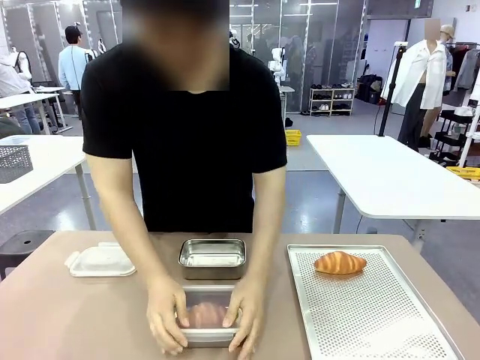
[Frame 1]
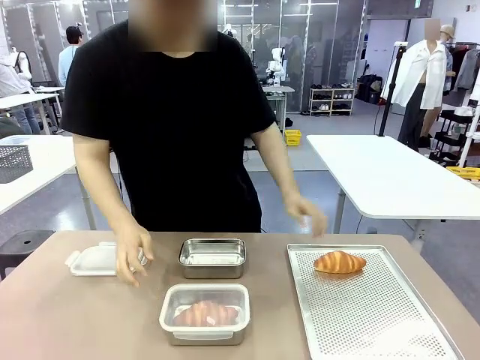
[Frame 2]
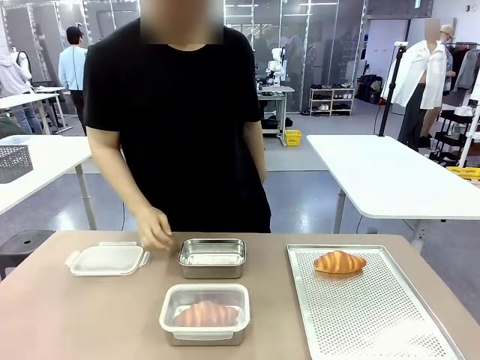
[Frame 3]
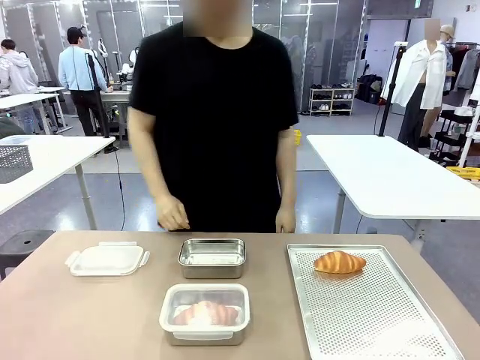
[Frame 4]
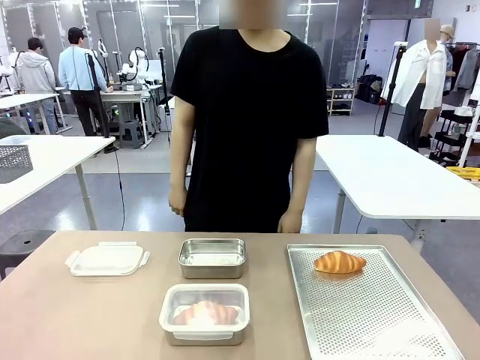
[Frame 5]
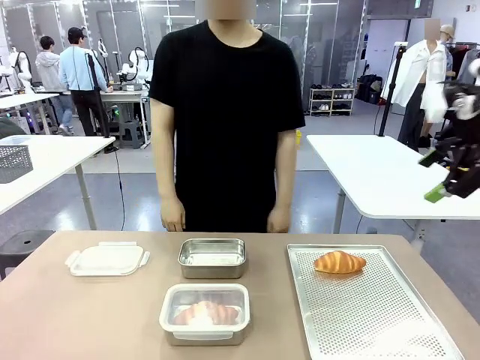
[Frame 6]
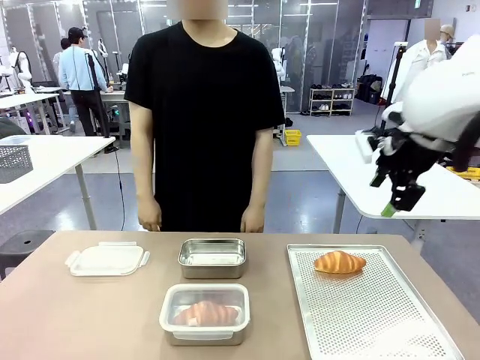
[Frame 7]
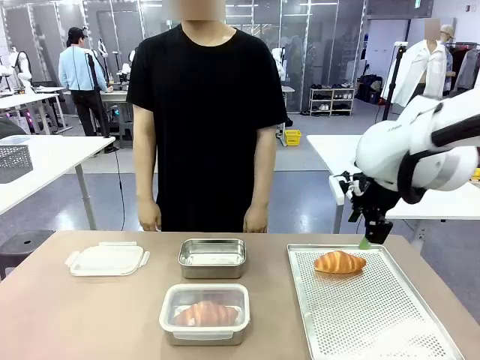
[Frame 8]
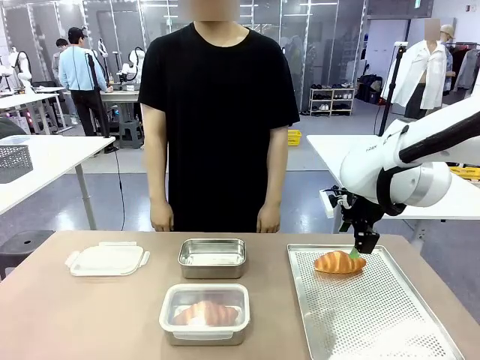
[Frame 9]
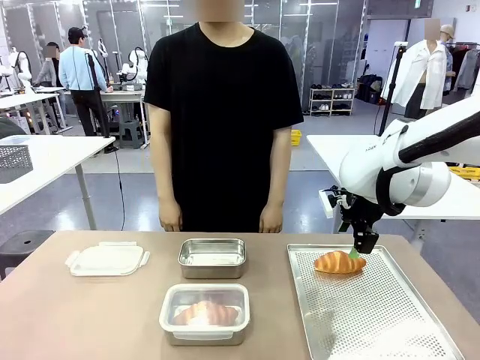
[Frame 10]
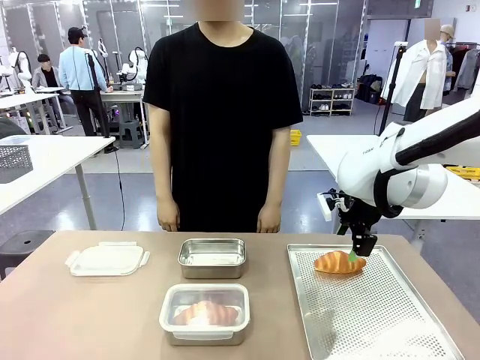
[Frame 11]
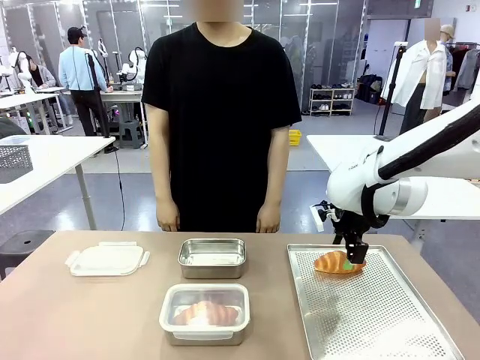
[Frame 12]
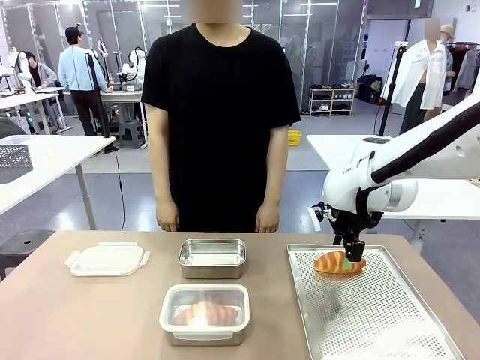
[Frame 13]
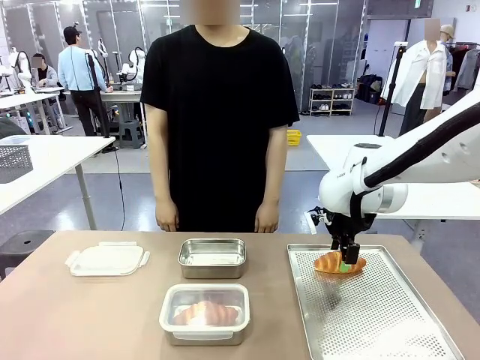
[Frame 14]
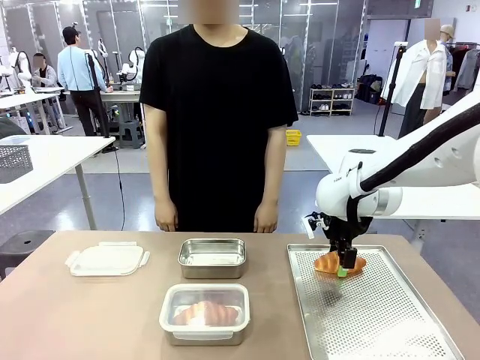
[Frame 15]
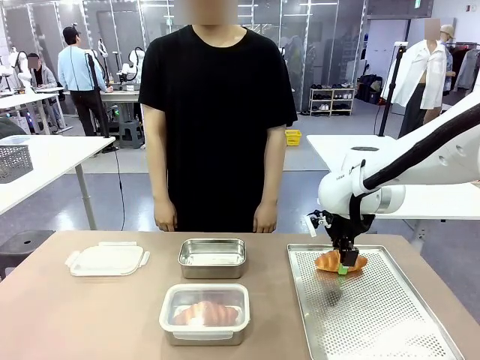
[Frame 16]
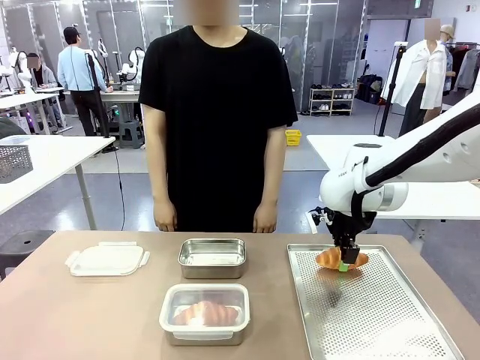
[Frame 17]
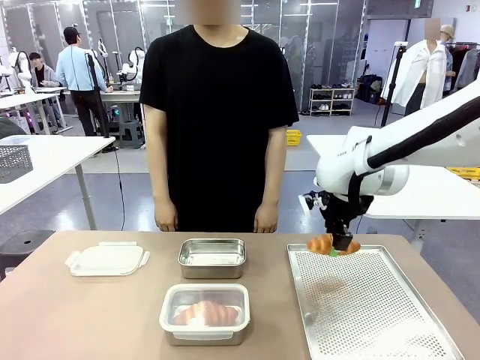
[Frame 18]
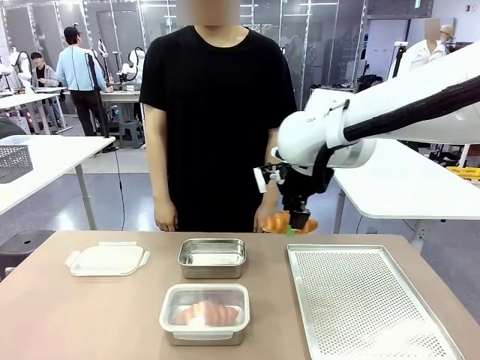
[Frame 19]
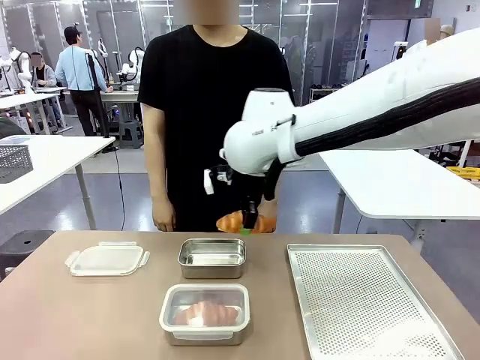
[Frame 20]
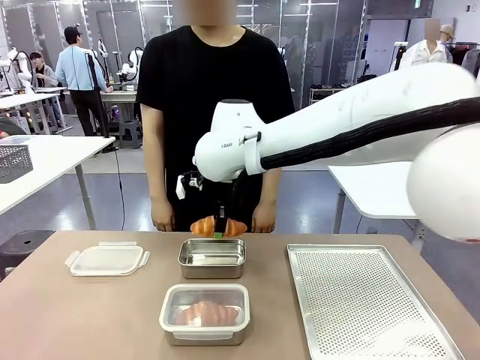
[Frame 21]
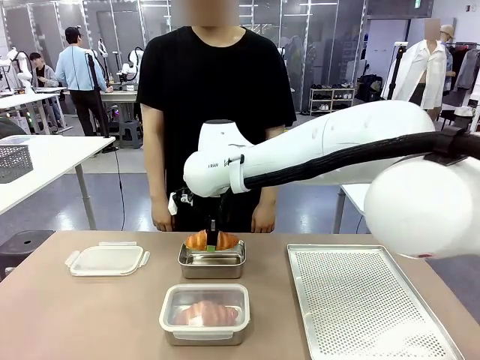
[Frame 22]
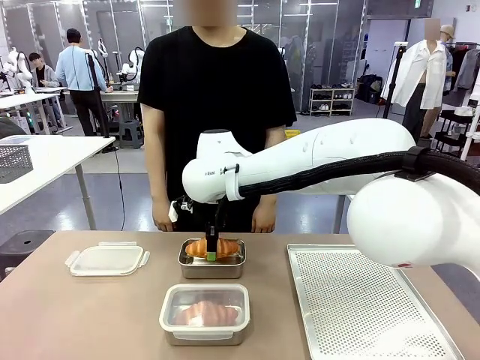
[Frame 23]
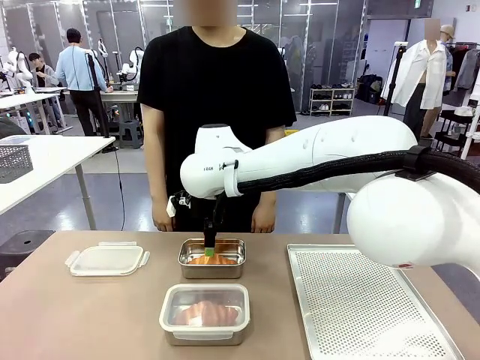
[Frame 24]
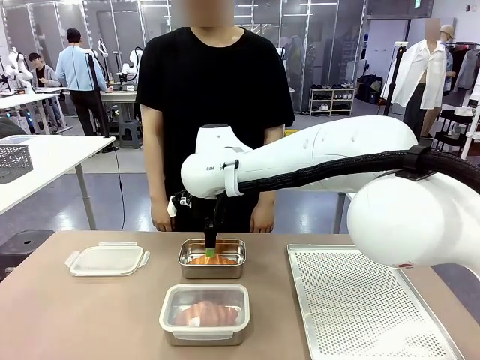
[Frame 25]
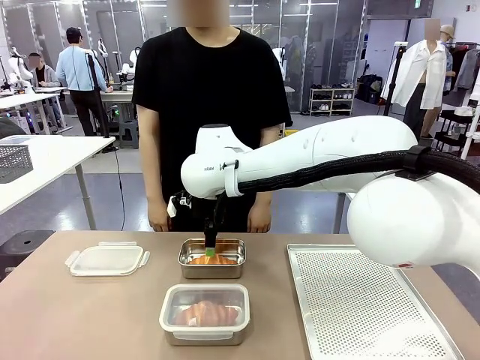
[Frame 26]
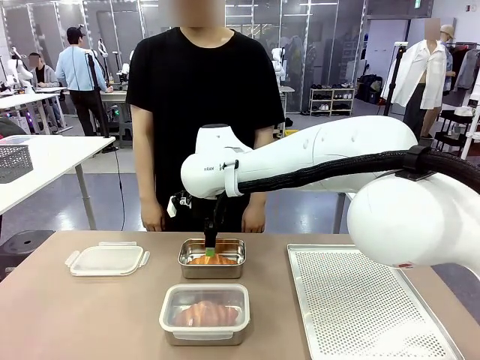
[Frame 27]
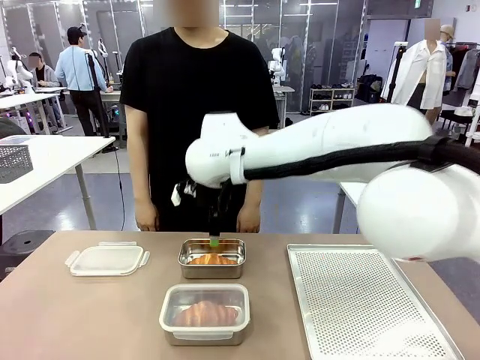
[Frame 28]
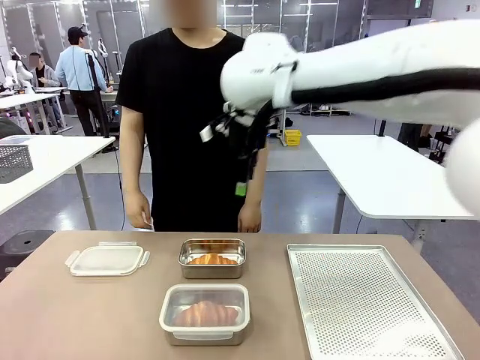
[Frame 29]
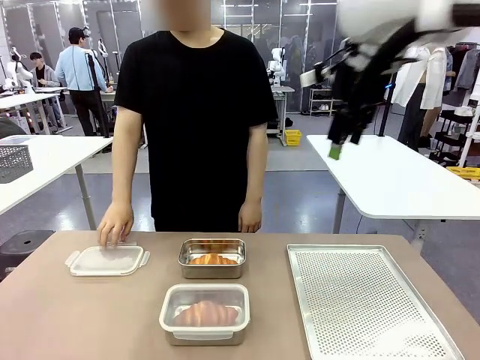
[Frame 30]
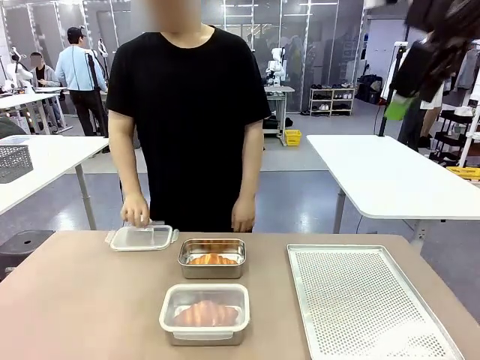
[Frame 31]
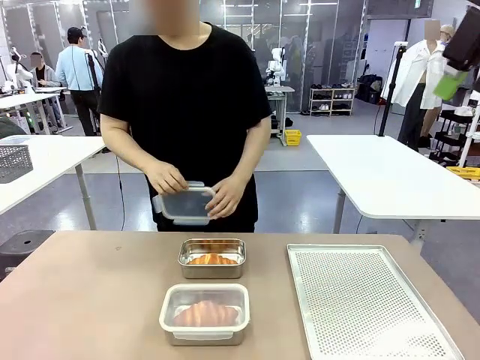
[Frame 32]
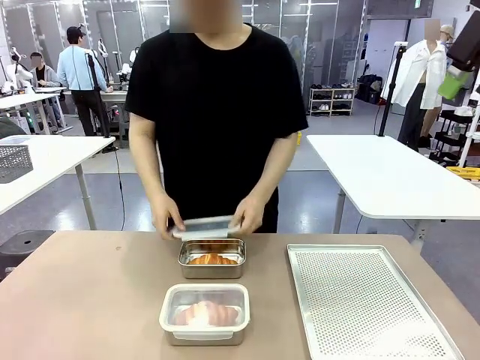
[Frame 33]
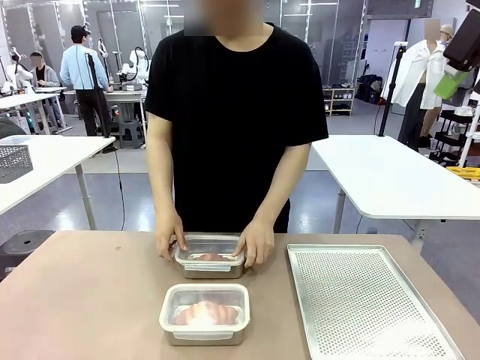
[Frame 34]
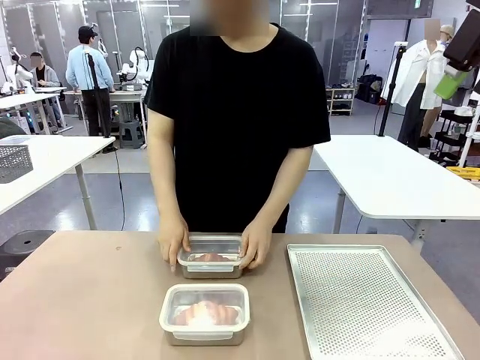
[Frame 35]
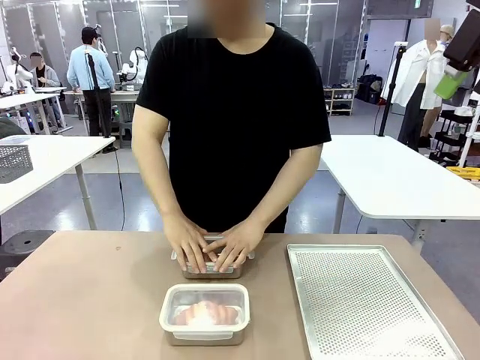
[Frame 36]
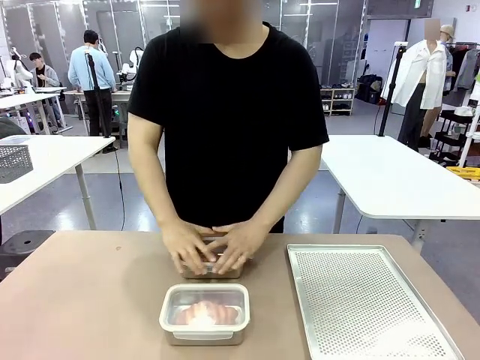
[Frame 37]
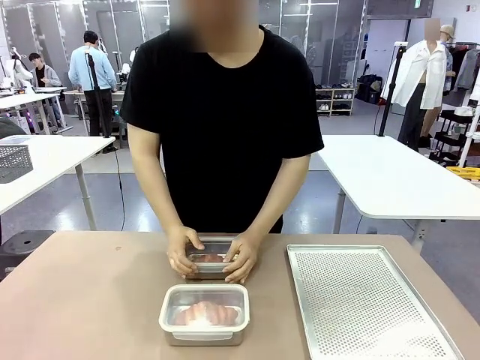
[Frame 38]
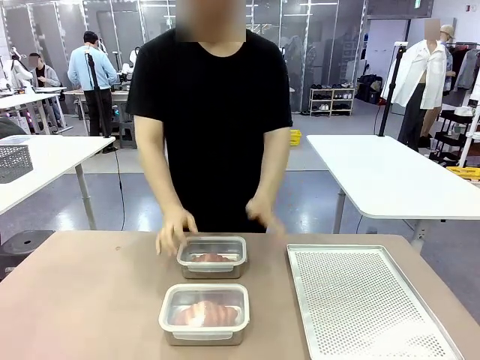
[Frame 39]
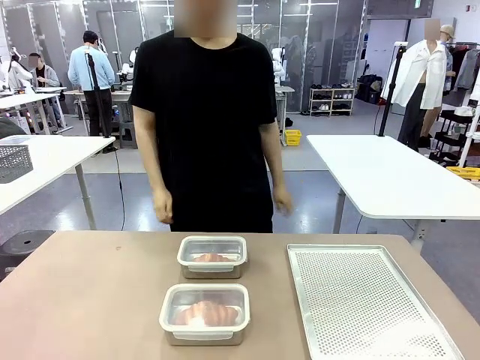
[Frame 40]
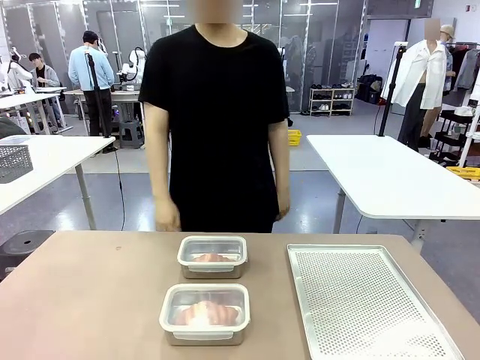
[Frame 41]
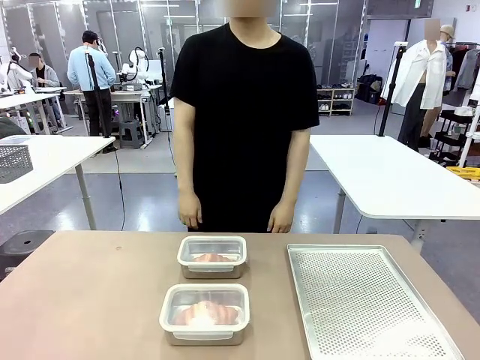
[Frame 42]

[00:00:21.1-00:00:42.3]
Task: Place the bread into the airtight container.
Robot: Pick up a Butter Roll and place it into an empty Airtight Container.
Person: Once a Butter Roll is inside an Airtight Container , close the lid of that Airtight Container.

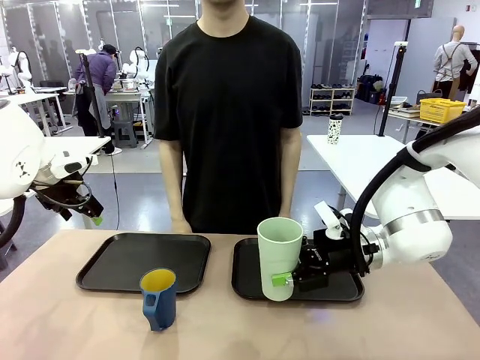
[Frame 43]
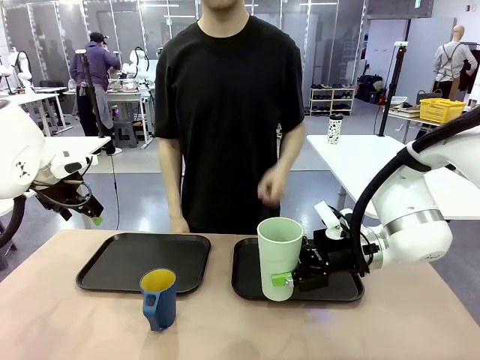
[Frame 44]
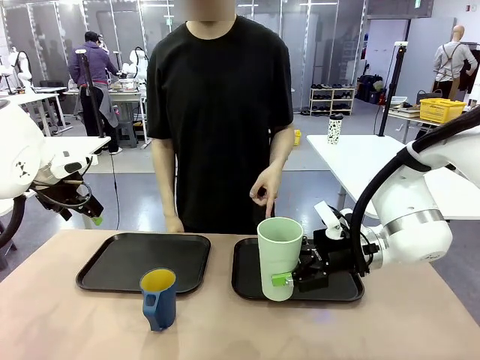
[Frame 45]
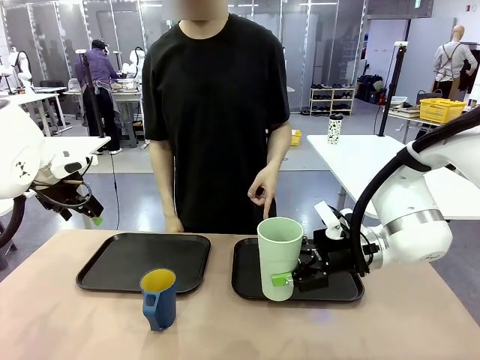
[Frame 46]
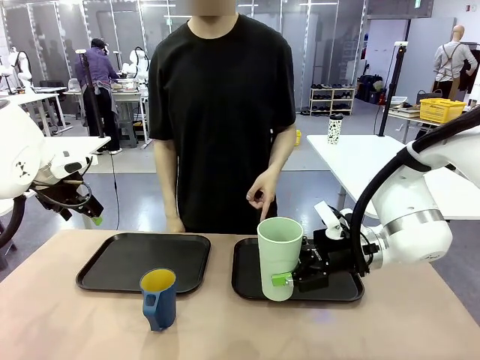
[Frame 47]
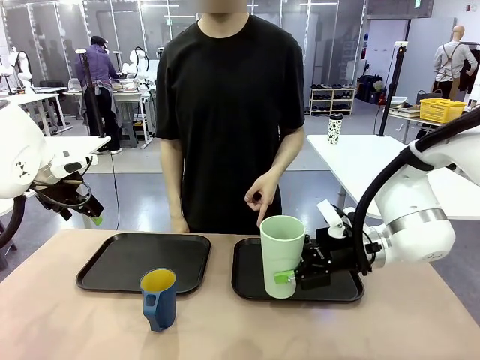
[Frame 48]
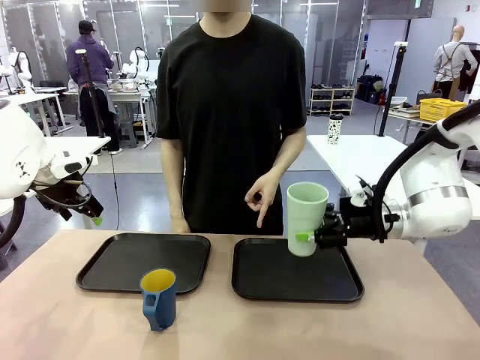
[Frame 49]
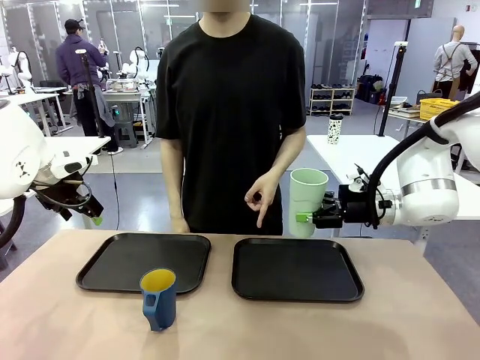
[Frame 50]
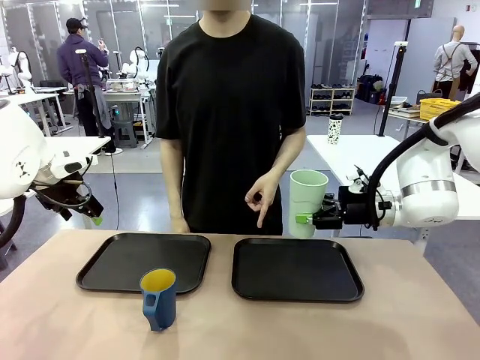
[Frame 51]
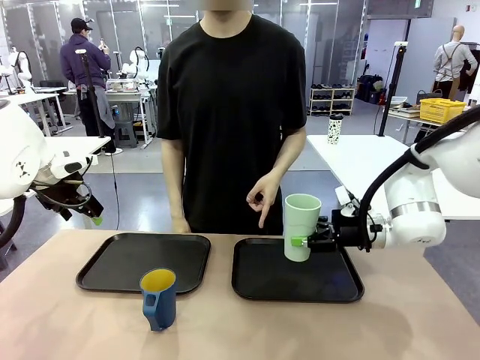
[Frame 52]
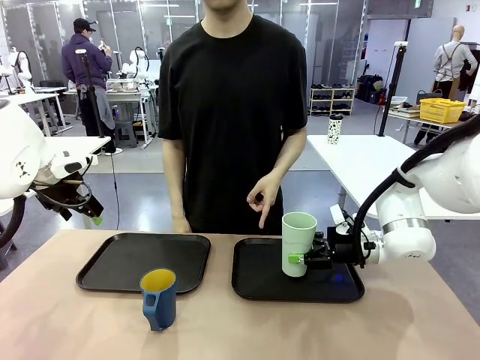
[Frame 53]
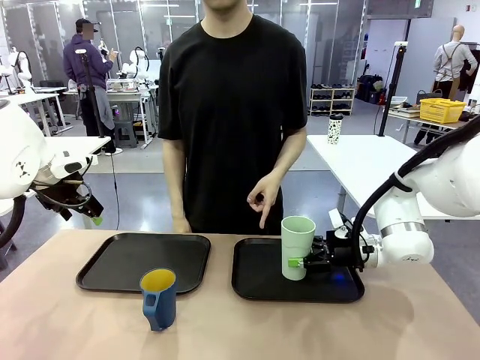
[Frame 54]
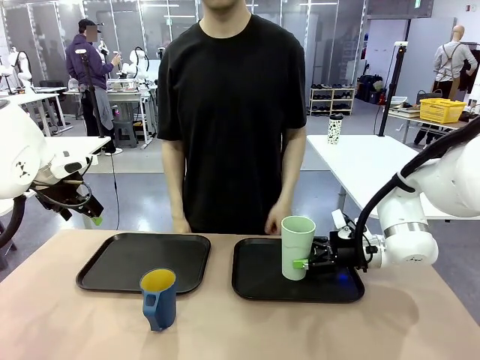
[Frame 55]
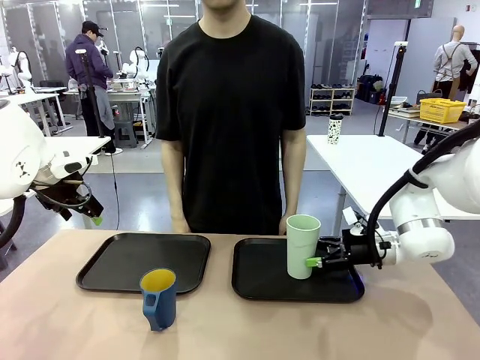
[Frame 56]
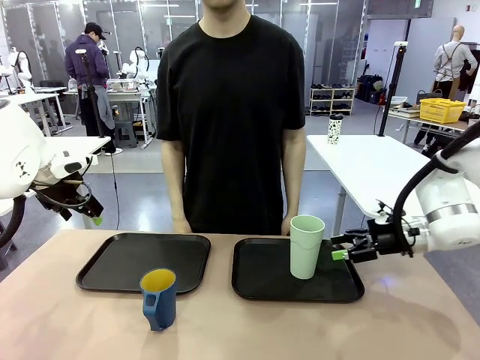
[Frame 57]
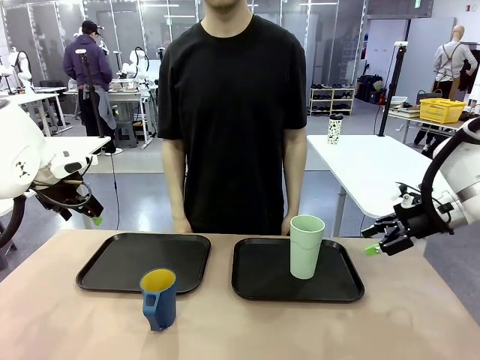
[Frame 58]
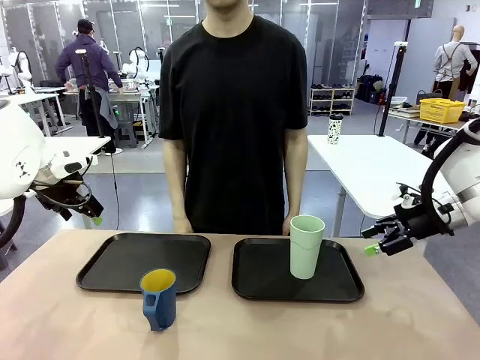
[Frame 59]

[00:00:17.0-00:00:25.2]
Task: Sort and store the cups by type.
Robot: Place the picked Reusable plastic cup into the Flat Tray indicated by the person.
